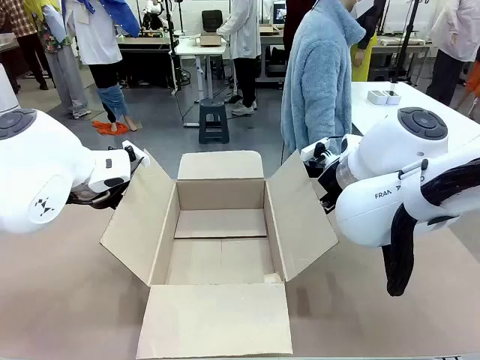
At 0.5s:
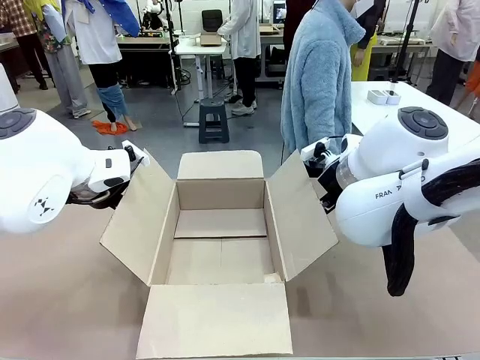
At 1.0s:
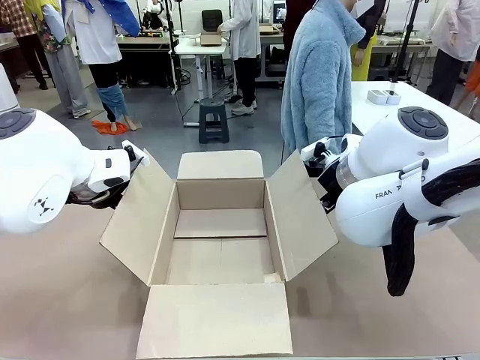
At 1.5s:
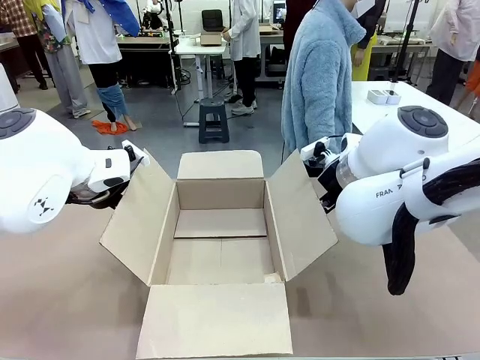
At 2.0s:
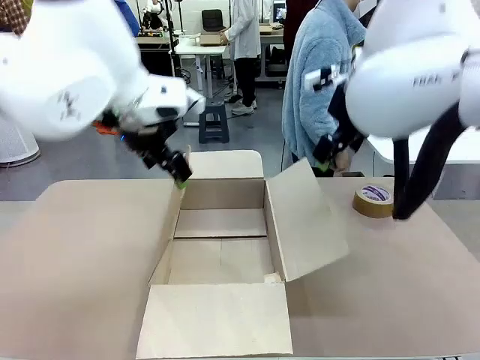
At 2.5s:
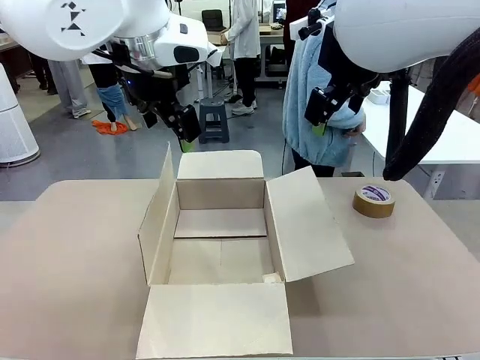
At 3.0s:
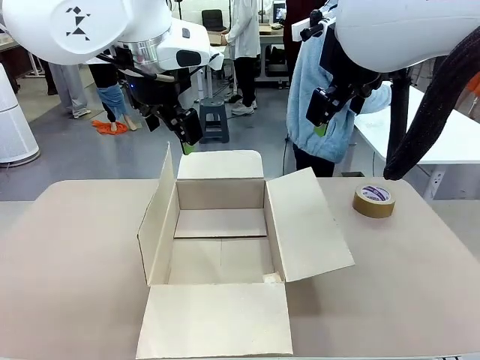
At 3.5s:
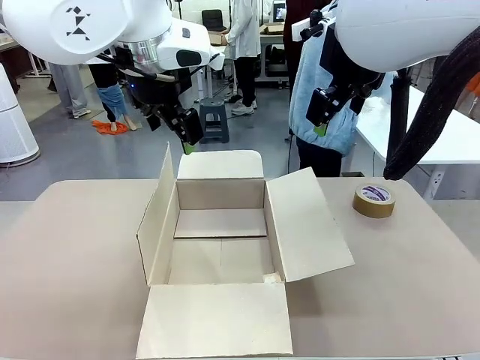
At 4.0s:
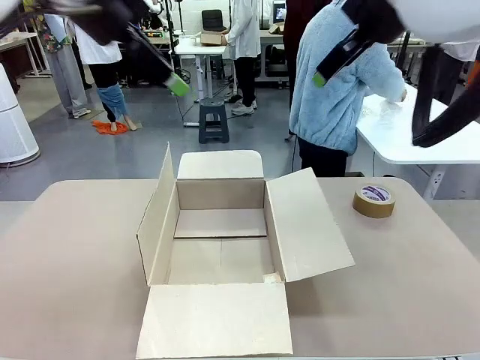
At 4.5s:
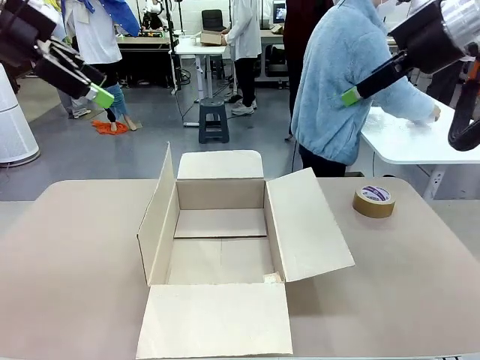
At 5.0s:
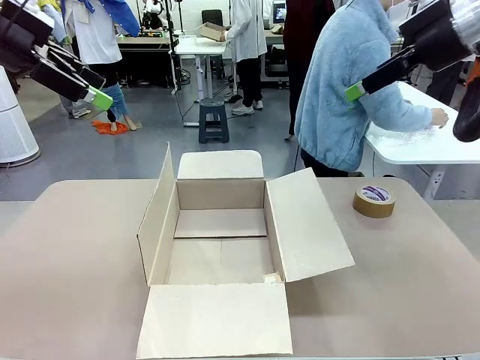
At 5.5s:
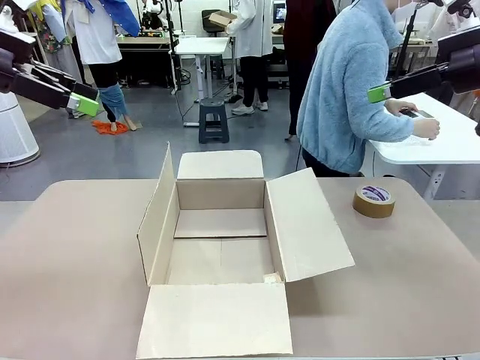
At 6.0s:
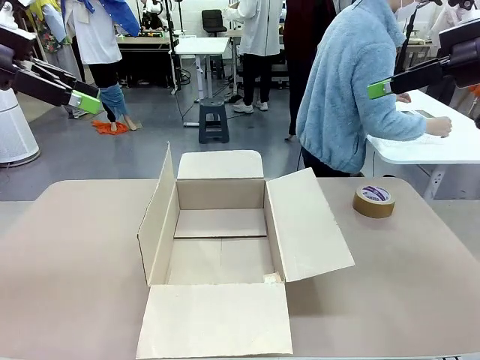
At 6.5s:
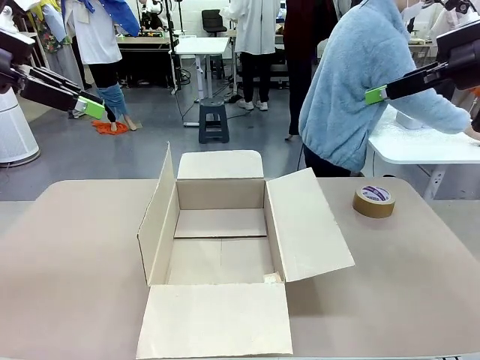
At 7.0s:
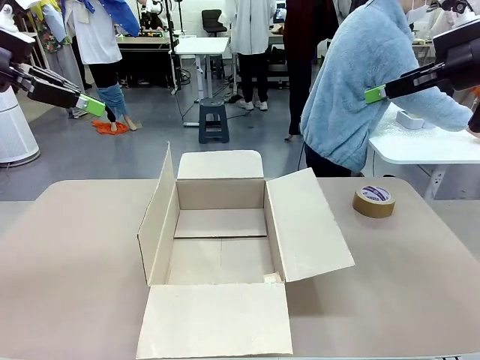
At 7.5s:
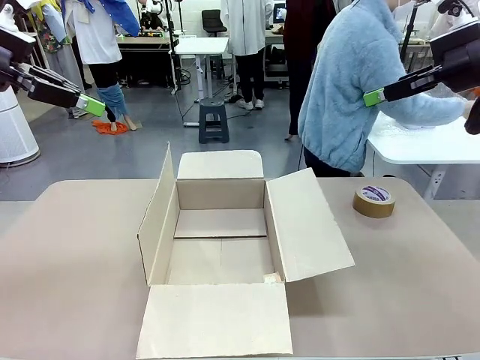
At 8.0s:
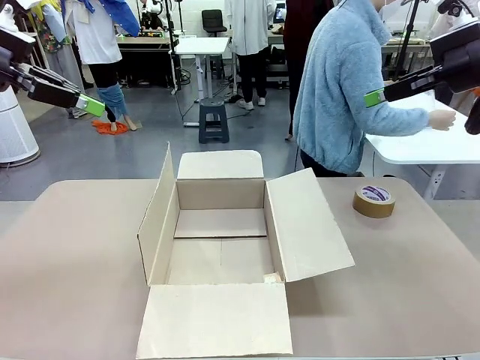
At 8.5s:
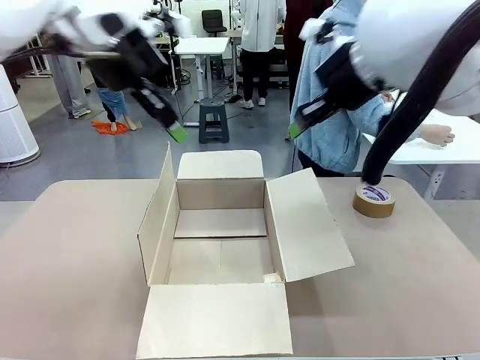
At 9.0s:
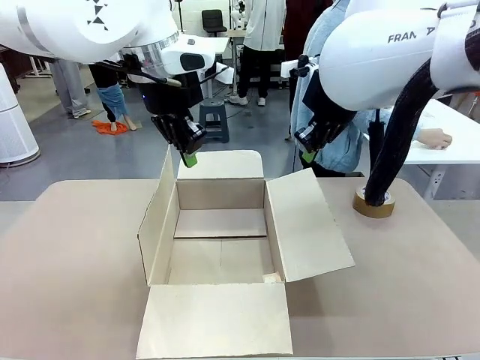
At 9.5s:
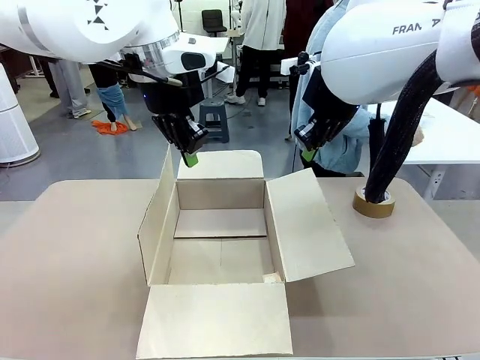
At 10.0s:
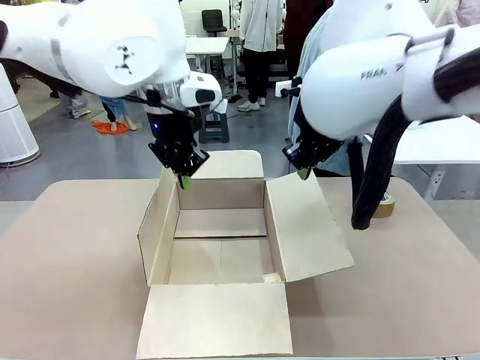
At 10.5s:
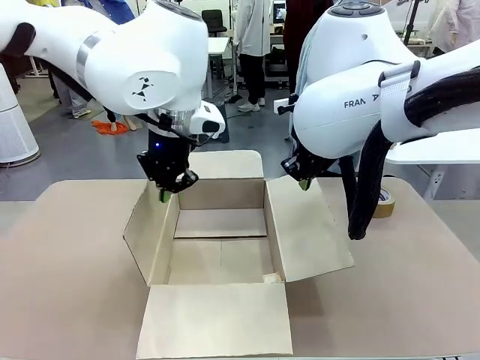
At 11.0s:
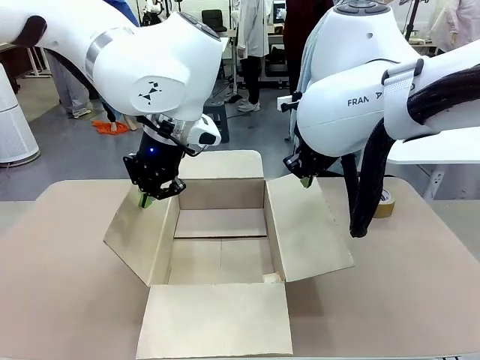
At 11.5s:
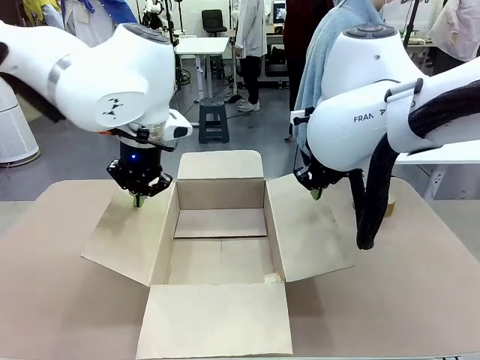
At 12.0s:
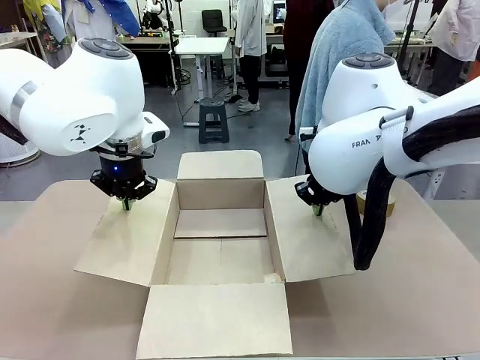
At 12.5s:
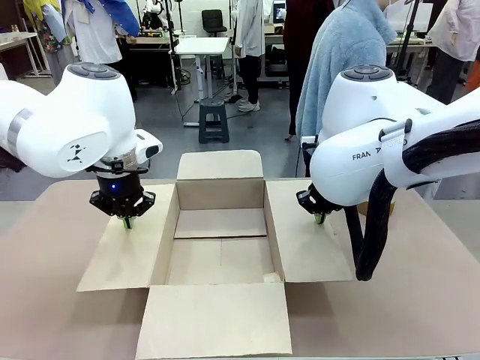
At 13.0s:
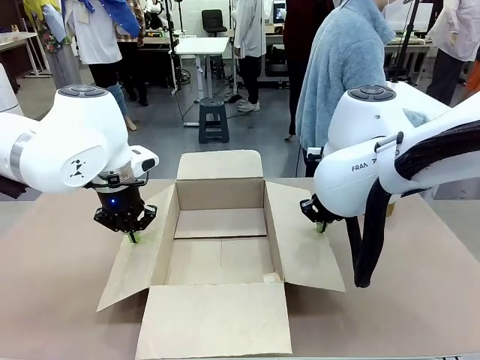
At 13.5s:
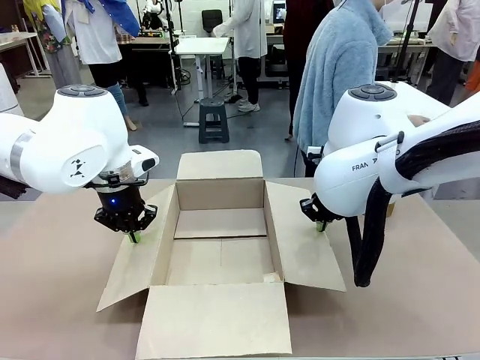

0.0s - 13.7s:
Task: Wrap the clocks to prevent damage.
Robot: Open the side flaps of the Package Box.
Person: Wrap the two Digital clocks with Bubble Wrap.

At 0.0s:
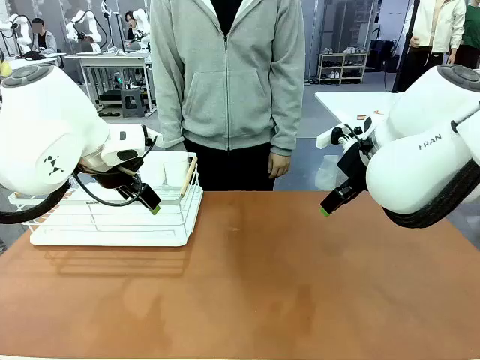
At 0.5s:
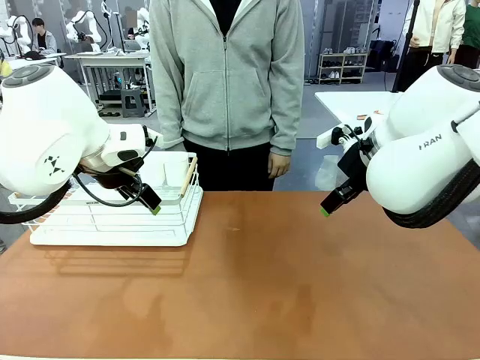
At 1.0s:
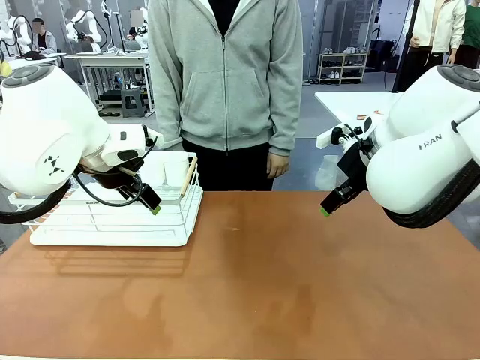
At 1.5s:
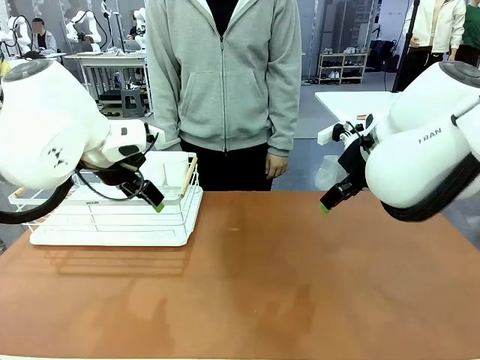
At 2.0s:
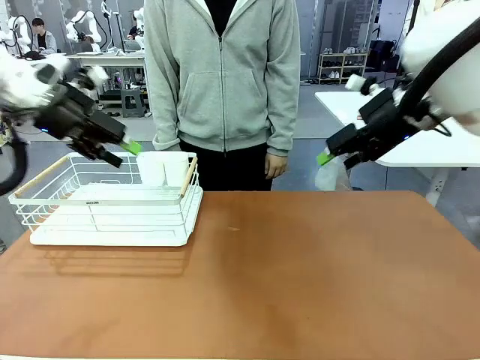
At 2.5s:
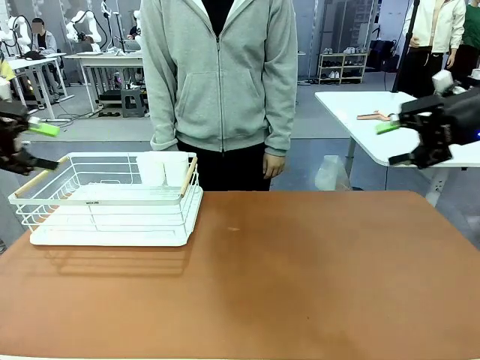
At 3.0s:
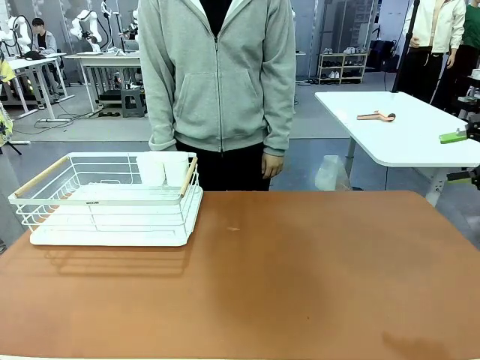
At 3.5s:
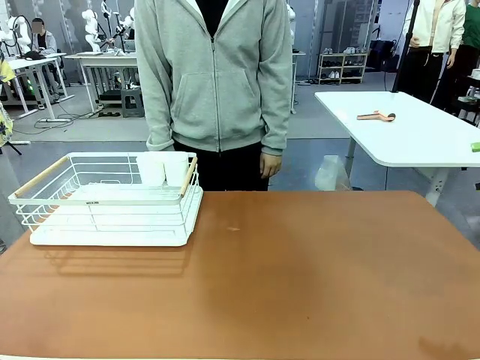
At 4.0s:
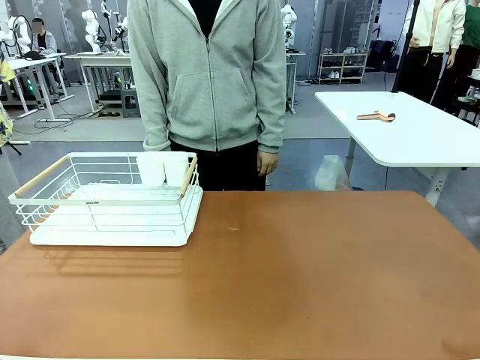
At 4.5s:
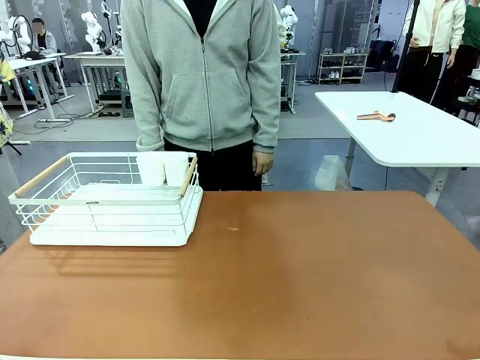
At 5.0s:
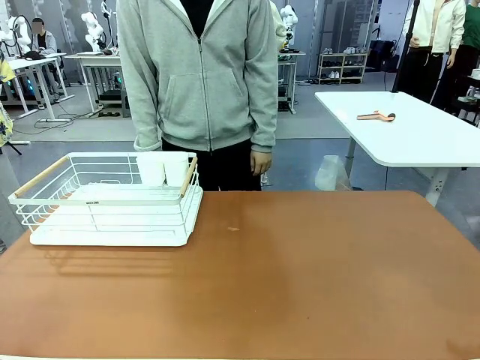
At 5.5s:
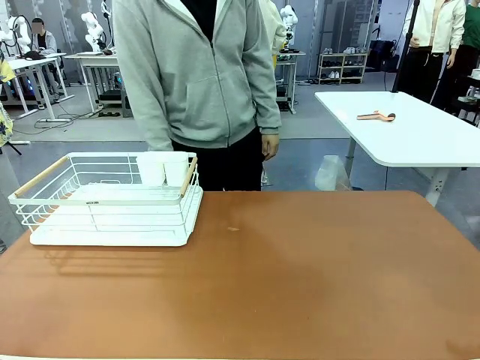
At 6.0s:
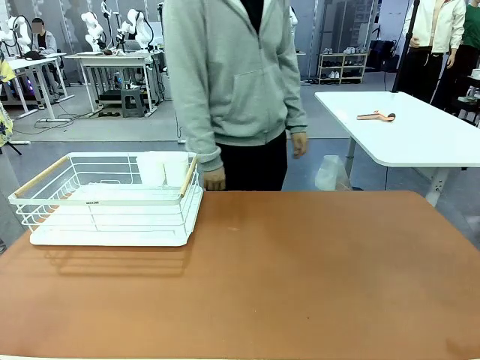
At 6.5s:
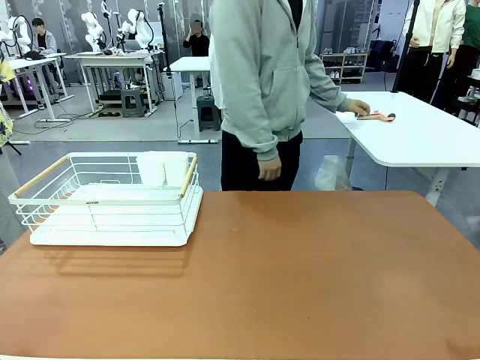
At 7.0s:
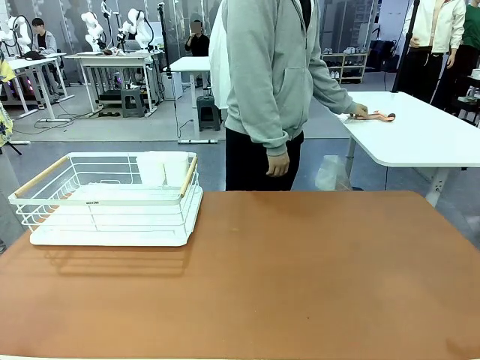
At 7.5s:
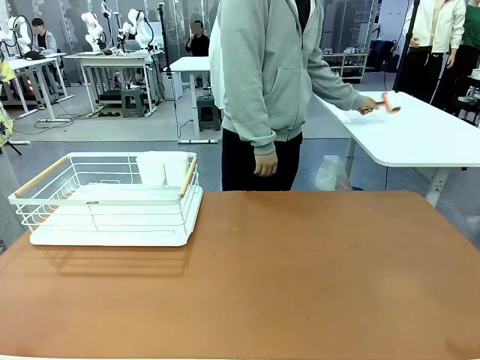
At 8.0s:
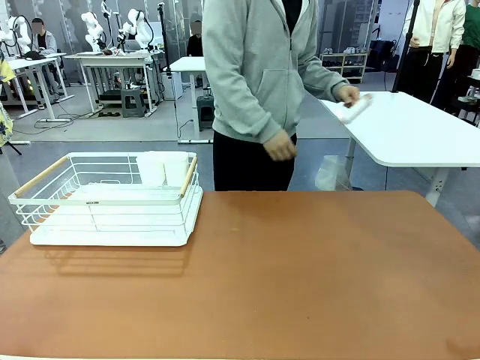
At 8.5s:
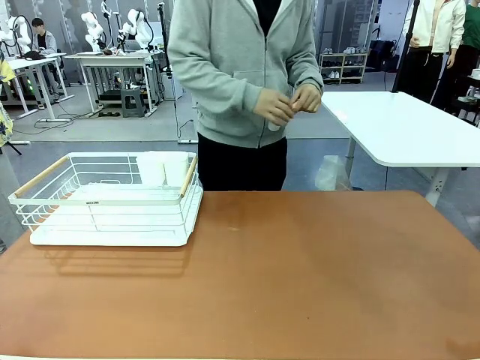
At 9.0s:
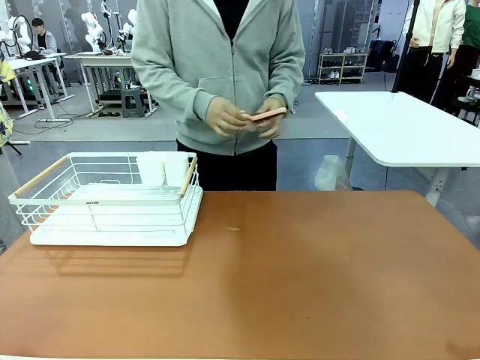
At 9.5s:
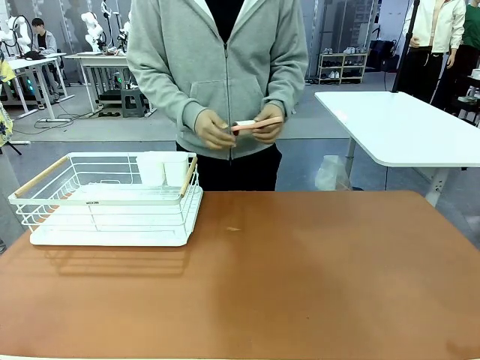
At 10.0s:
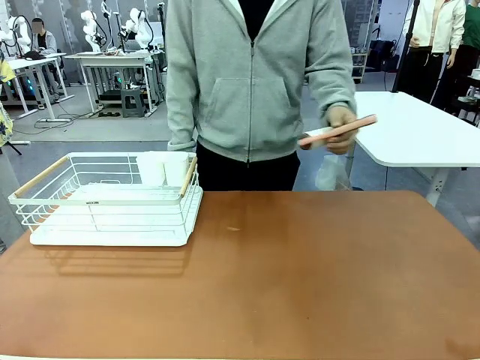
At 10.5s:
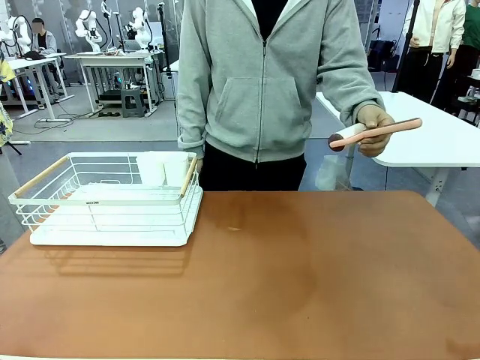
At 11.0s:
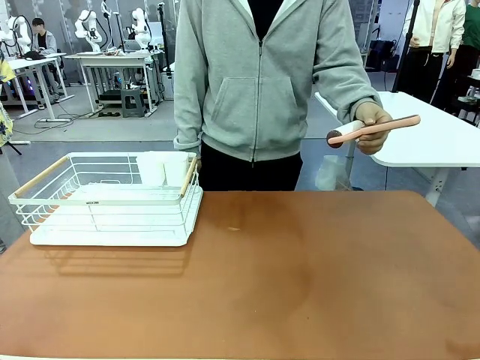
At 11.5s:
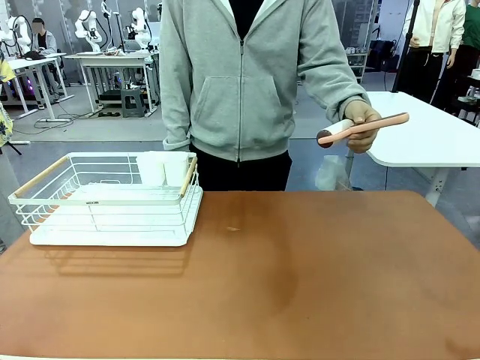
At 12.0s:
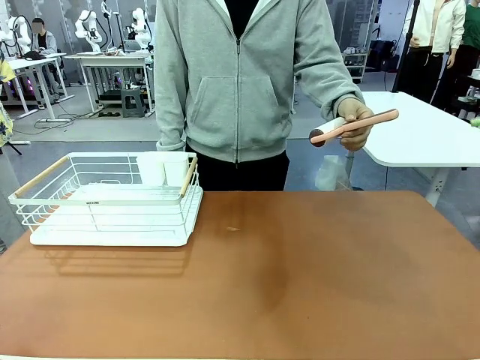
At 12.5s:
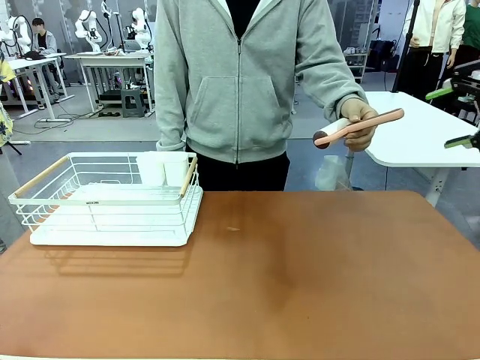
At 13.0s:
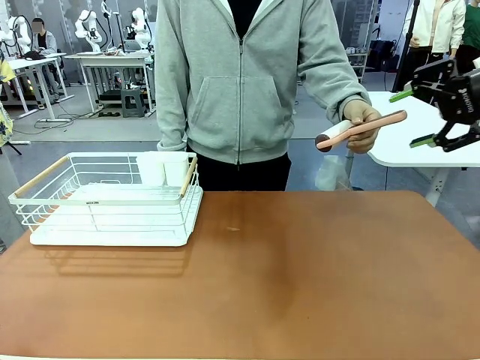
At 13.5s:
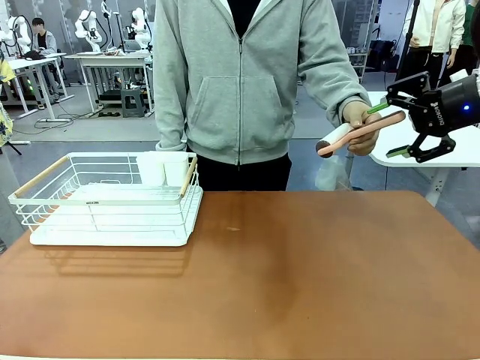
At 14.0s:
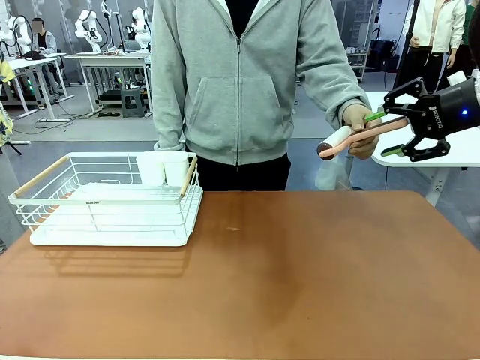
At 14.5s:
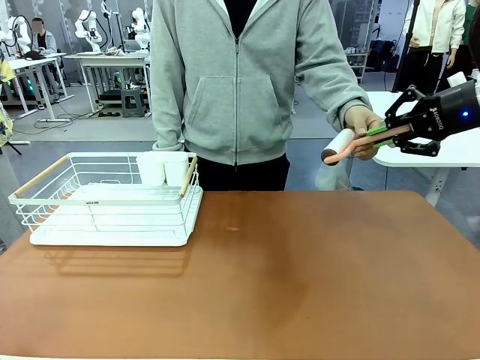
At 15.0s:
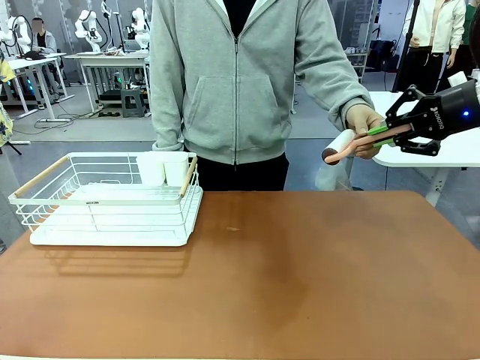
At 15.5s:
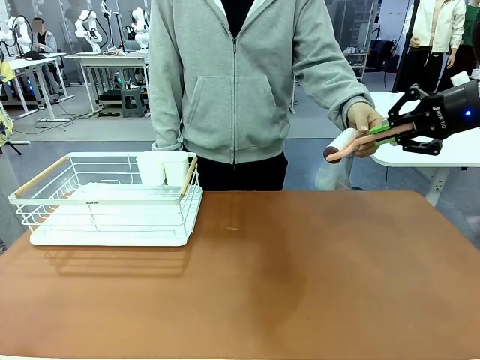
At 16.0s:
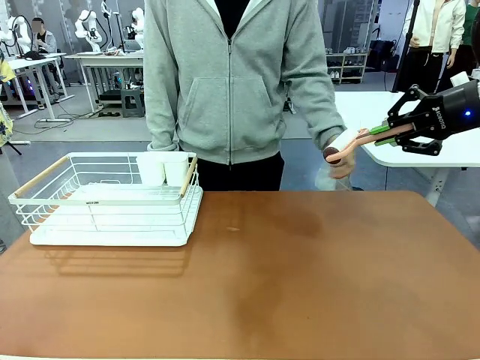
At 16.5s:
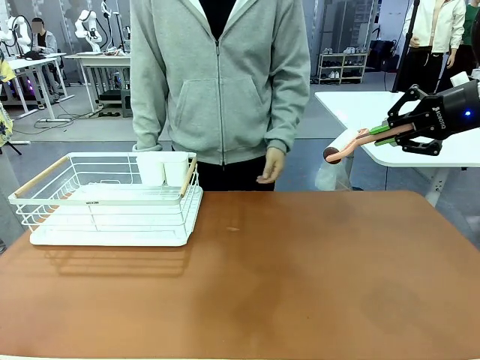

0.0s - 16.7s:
Task: Clean the table.
Robot: Pick up the Lint Roller when the human hands it over.
Person: Hand the Lint Roller to the robot so it can easily pick it up. Lift the Dish drying rack.
